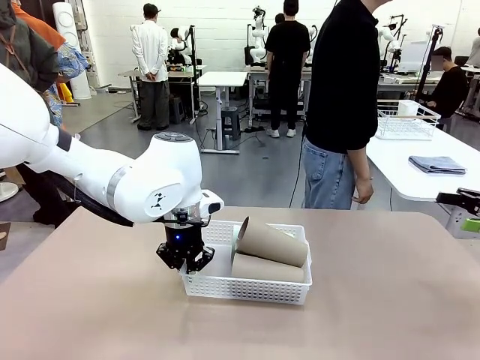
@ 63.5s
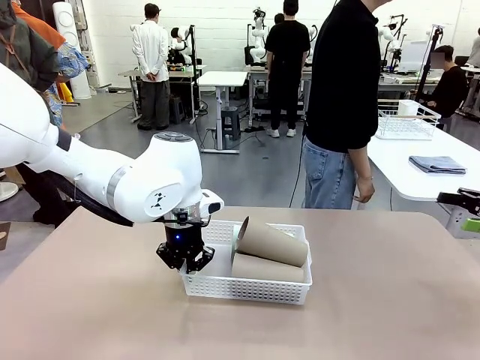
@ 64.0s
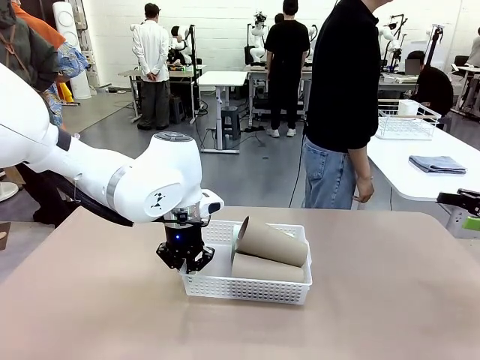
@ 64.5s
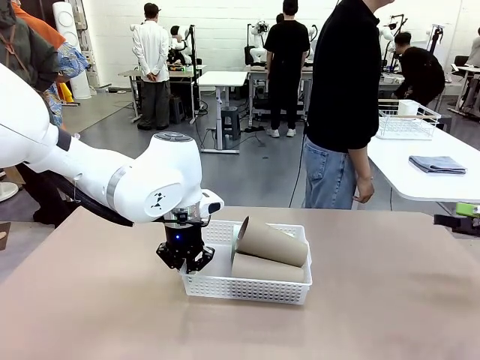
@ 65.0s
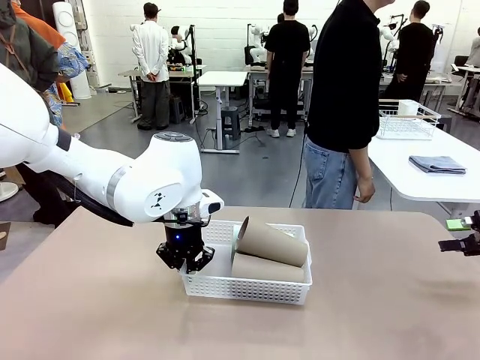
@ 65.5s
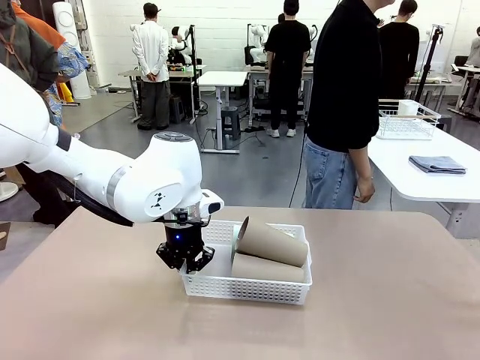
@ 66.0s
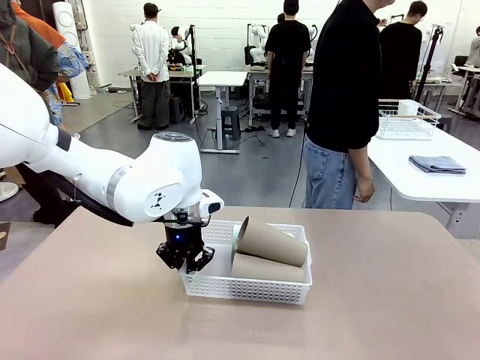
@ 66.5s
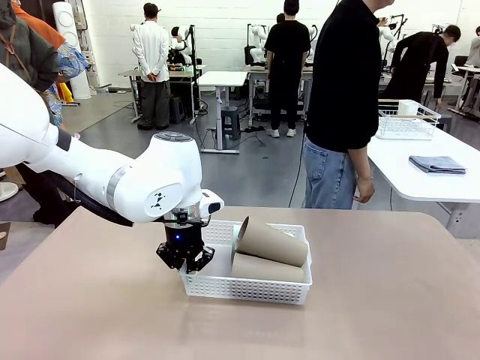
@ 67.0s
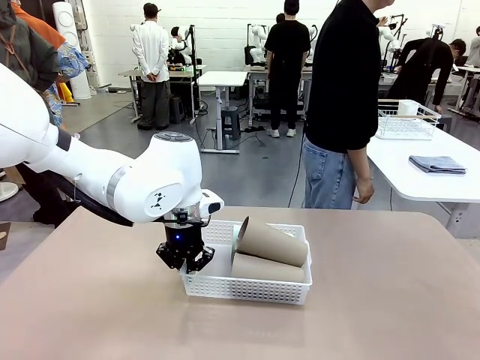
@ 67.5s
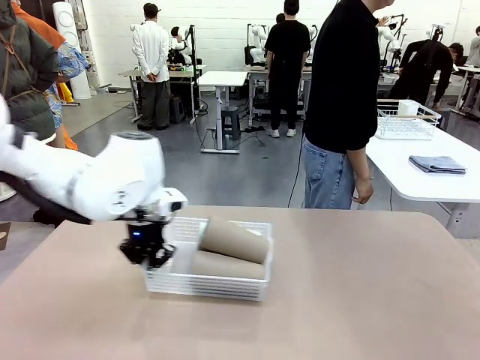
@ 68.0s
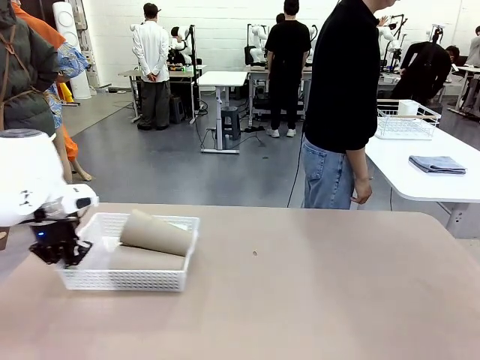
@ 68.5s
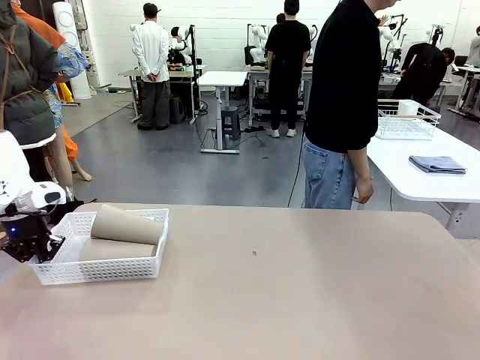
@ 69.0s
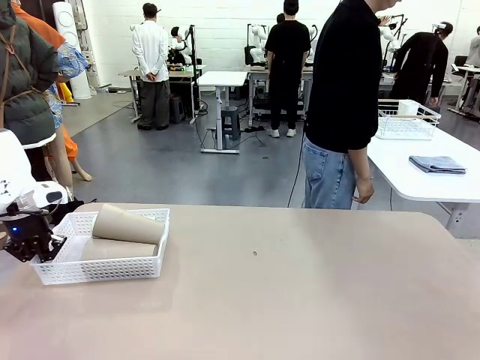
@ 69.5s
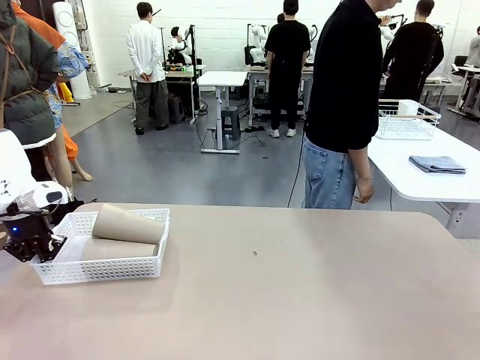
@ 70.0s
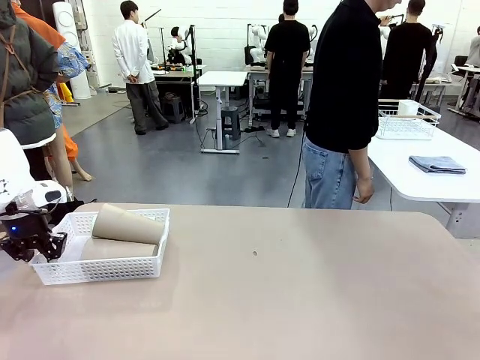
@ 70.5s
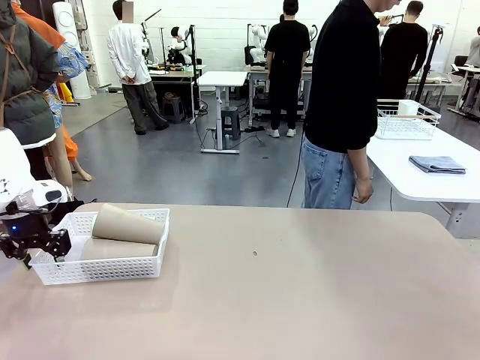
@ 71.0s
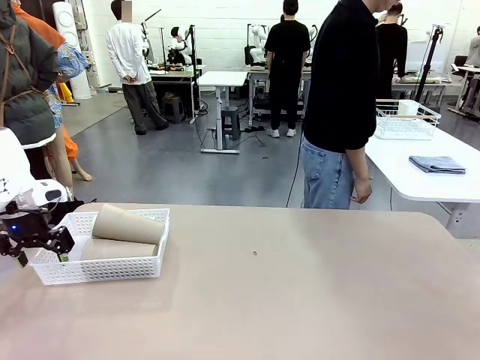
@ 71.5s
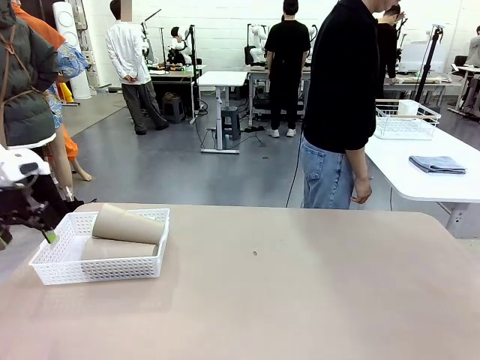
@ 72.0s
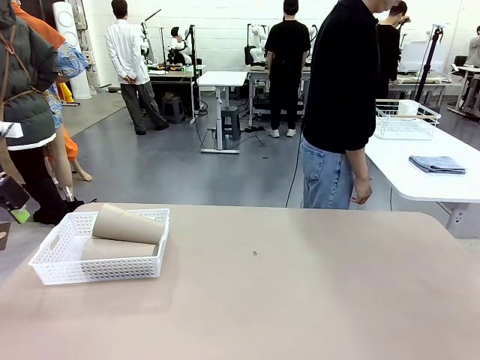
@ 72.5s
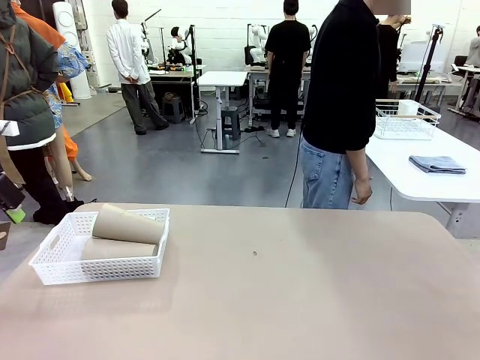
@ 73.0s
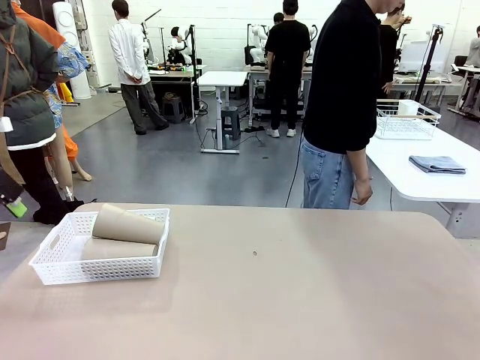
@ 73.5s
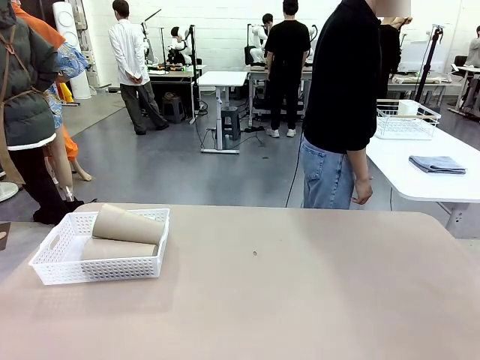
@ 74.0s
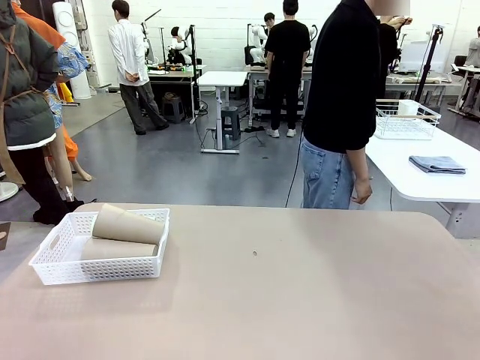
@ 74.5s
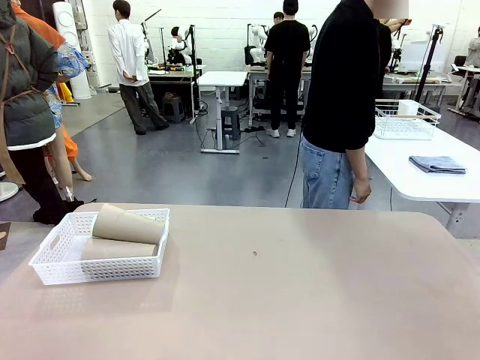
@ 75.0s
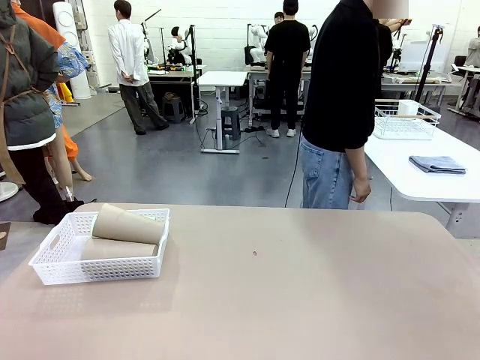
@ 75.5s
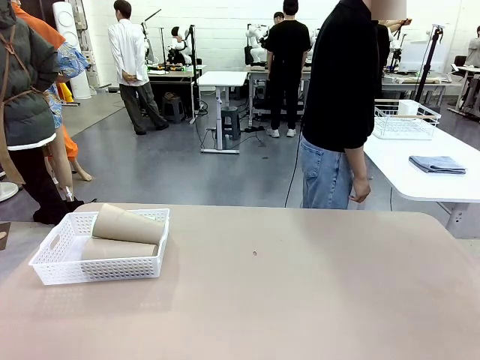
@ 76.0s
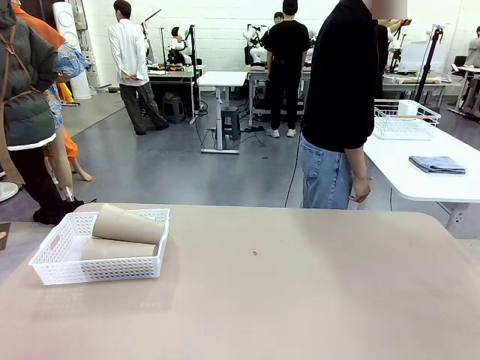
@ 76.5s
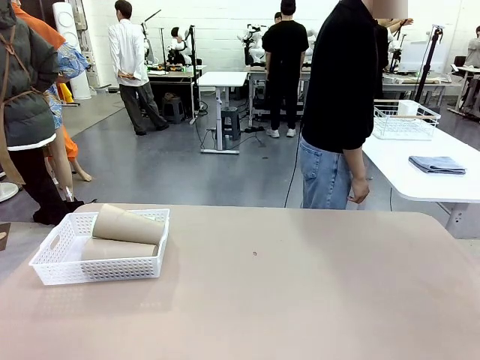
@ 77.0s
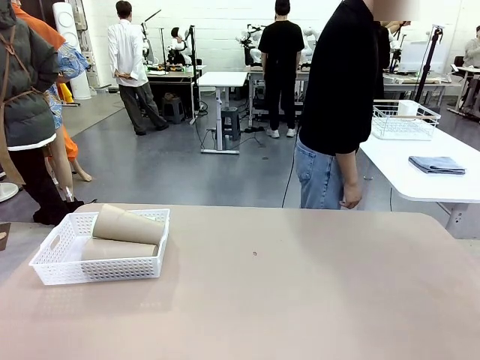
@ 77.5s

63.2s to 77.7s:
Task: Clean and organize the cups into the basket.
Robot: Move the Organizing basket back to the left side of the table.
Person: Folds the towel in half twice and places it in the right of the table.

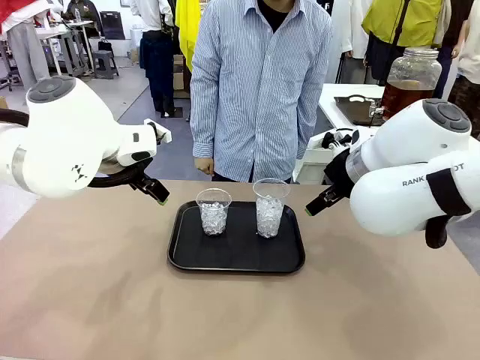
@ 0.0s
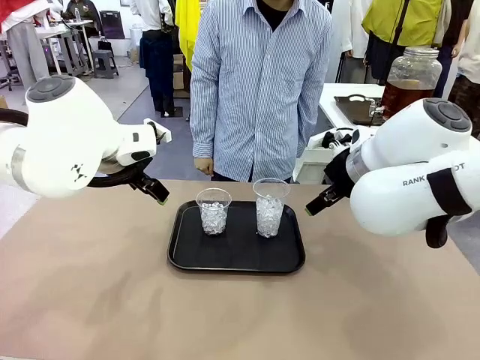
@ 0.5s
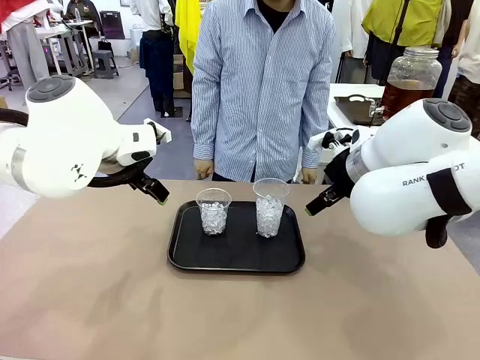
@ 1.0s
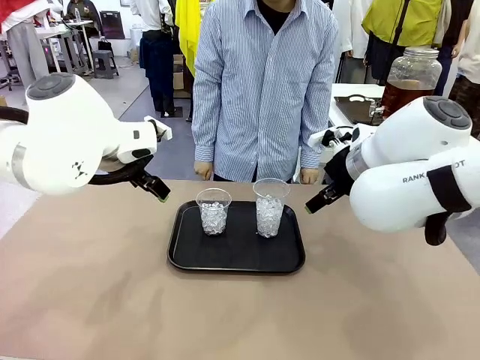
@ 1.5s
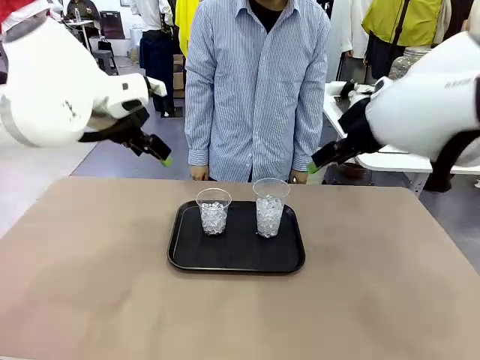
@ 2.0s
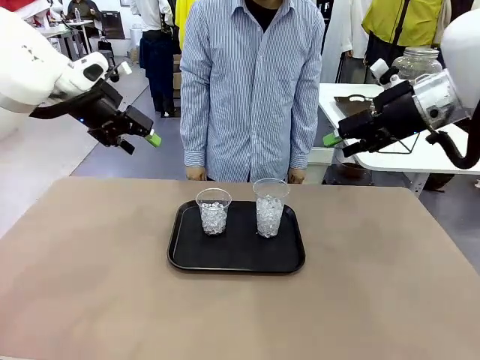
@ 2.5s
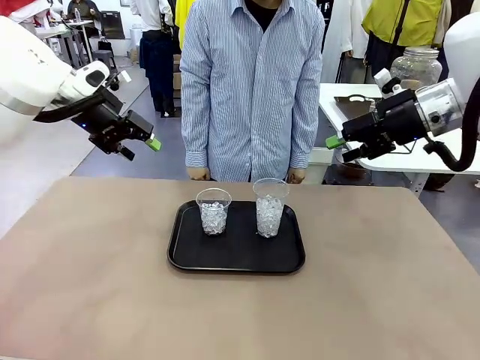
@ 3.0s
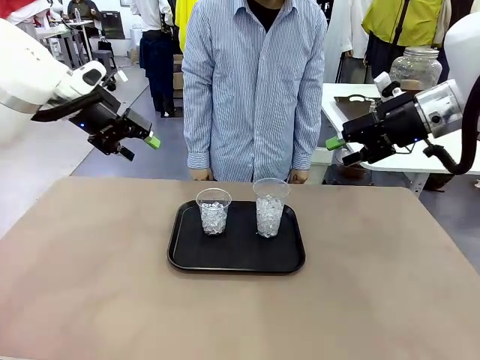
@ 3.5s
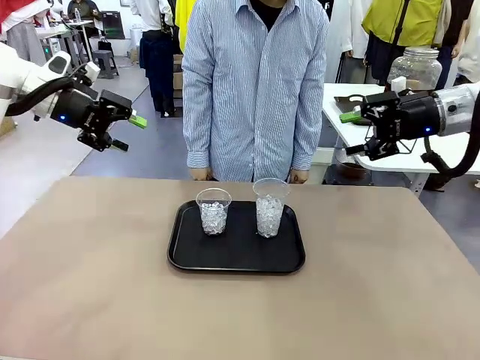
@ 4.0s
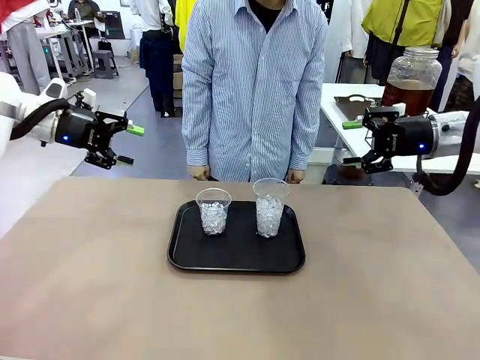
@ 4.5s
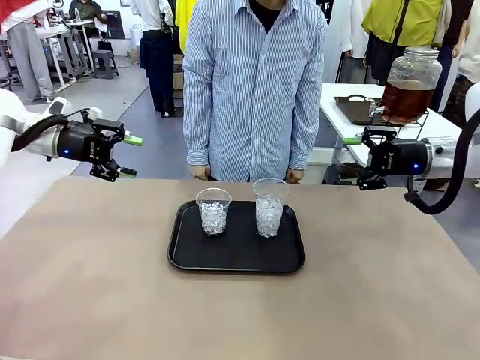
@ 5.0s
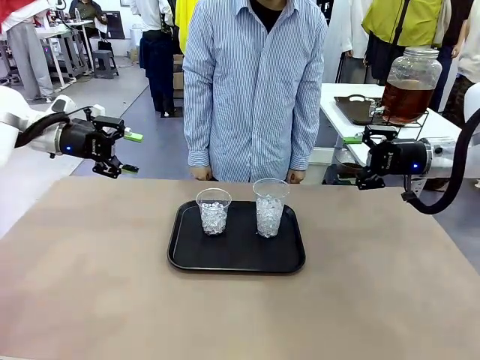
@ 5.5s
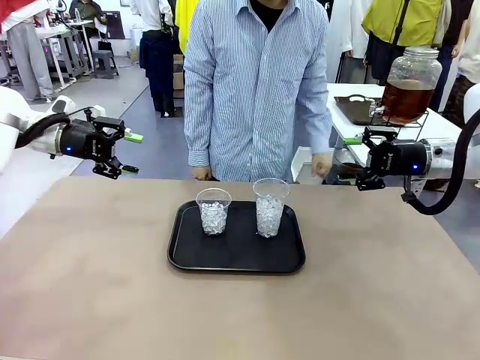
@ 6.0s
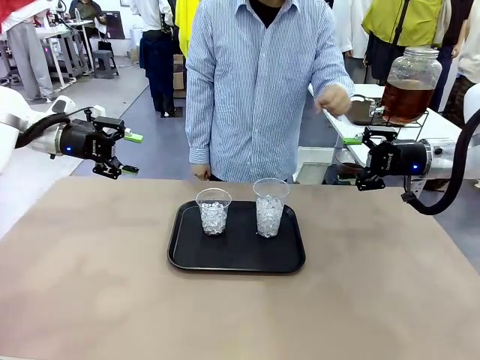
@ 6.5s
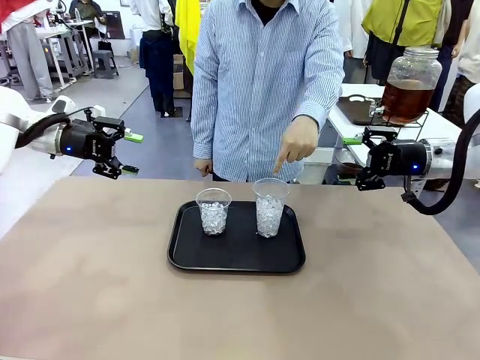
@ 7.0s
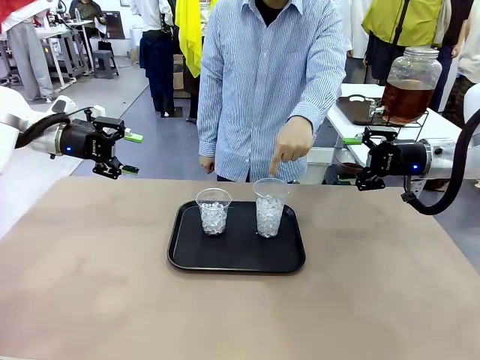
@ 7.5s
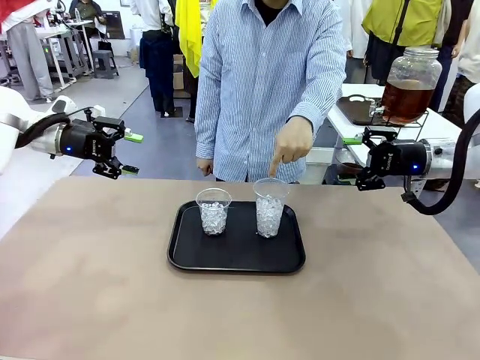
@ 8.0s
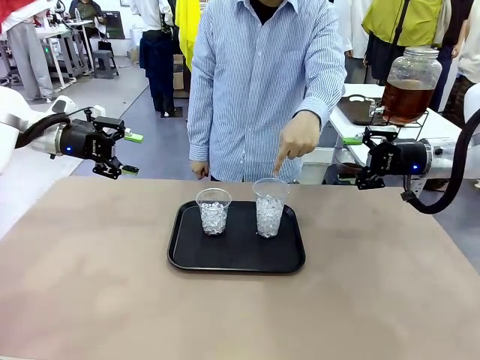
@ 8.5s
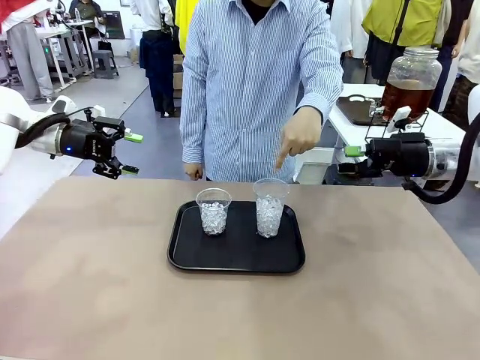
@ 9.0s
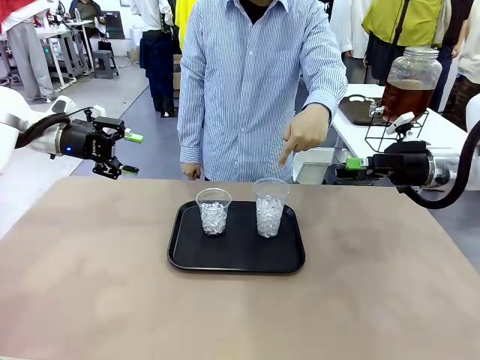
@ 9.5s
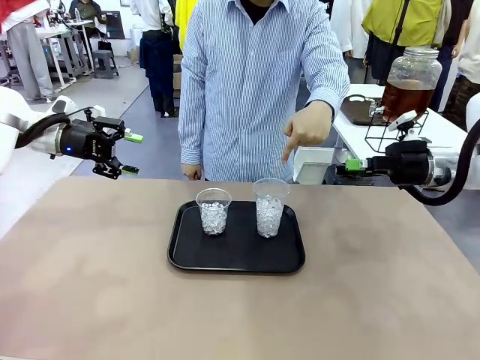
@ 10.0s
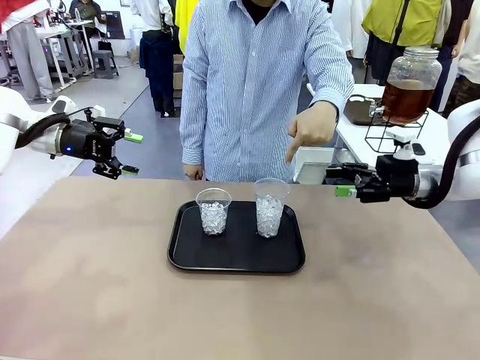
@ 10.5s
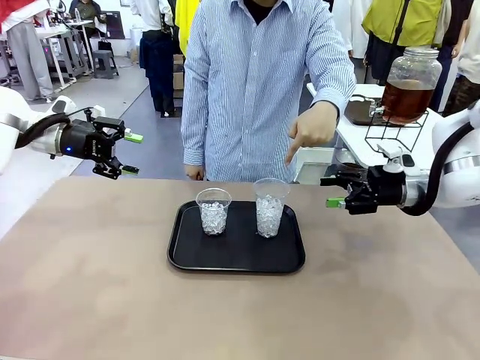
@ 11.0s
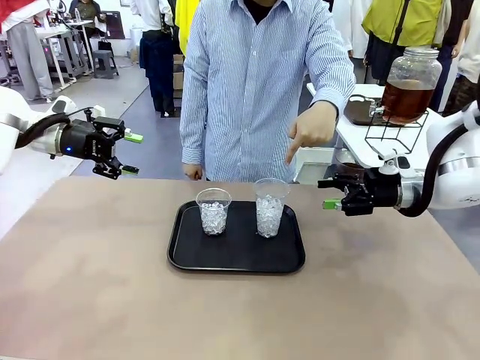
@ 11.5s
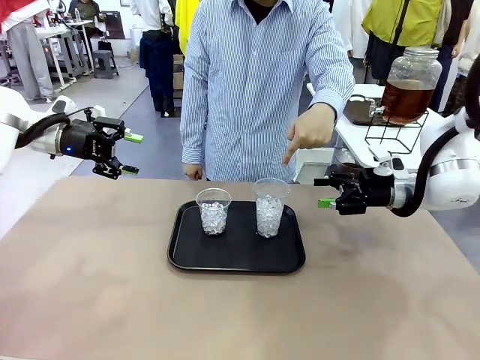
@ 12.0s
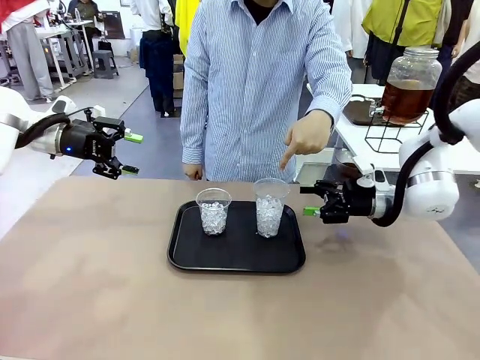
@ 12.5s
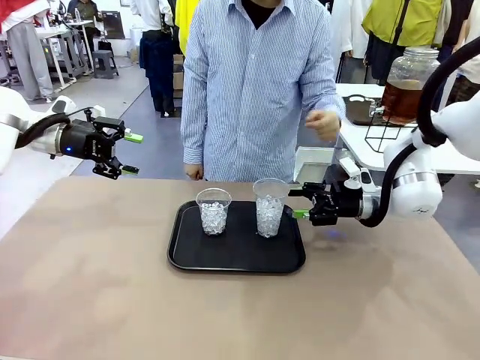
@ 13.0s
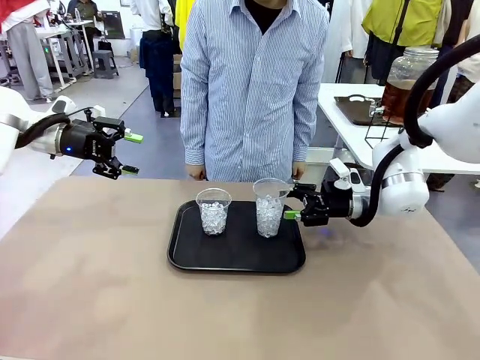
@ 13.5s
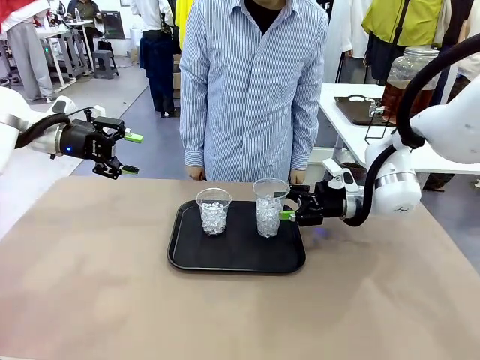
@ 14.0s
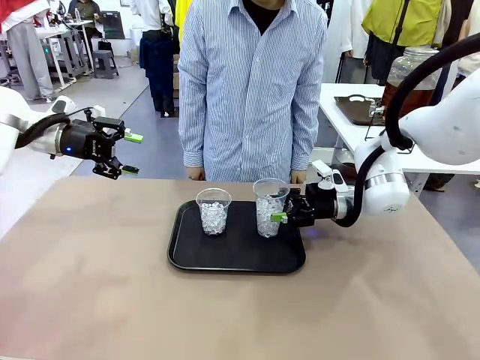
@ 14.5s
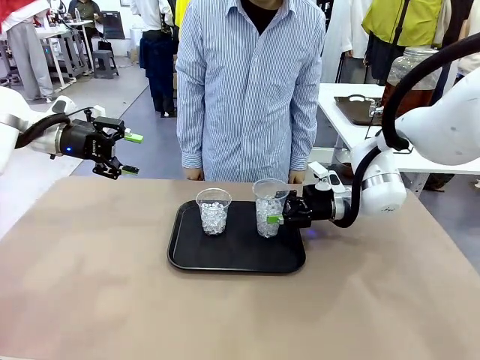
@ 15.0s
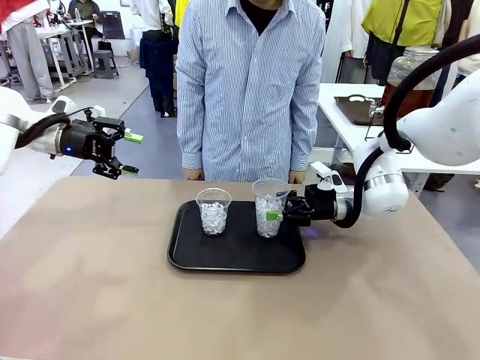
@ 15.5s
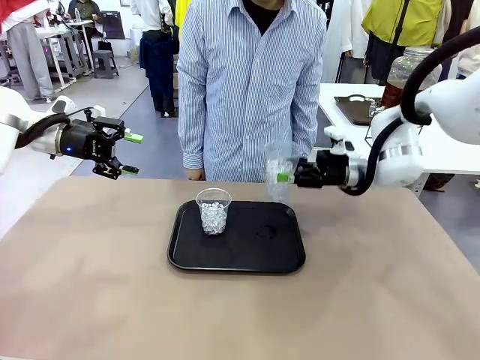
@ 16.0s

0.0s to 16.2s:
Task: Pour the drink into the iced cup.
Robot: Pick up the iced cup indicated by the human and present it to them.
Person: Point to one of the two ice cups. Pick up the cup offered by the robot.
